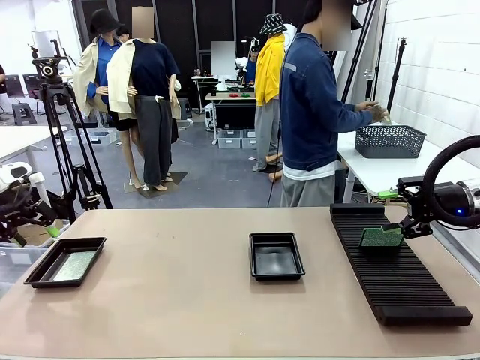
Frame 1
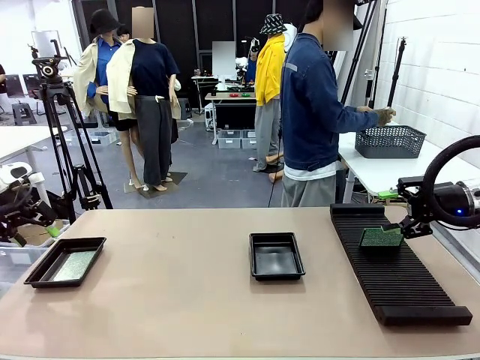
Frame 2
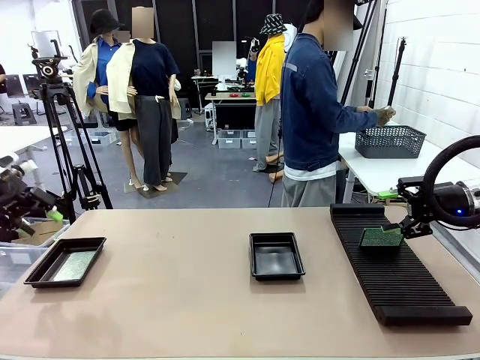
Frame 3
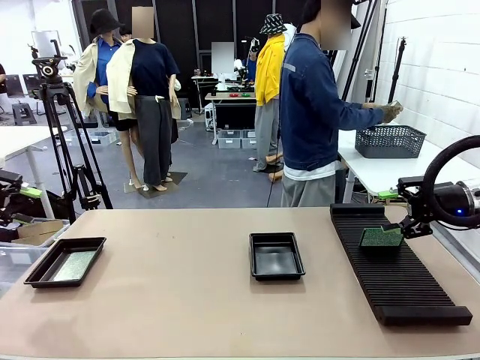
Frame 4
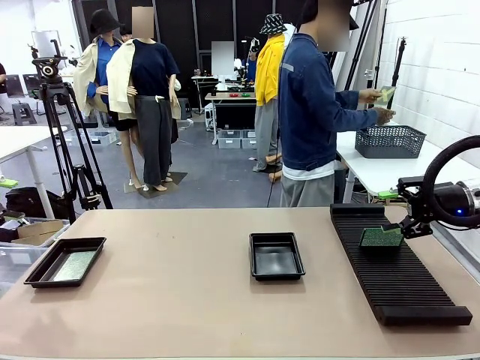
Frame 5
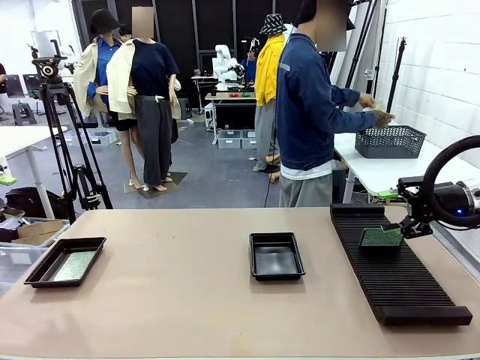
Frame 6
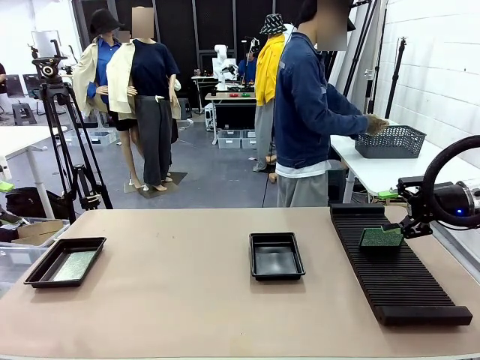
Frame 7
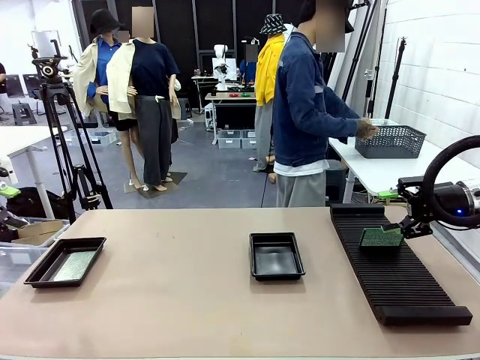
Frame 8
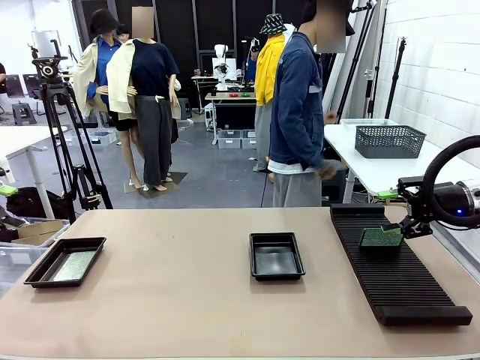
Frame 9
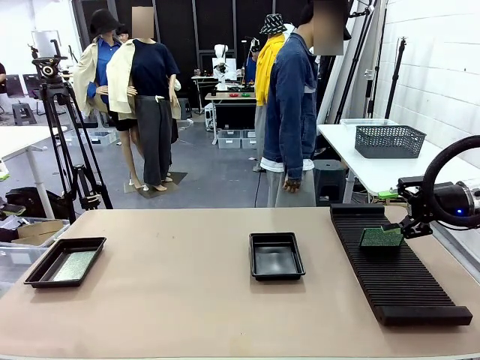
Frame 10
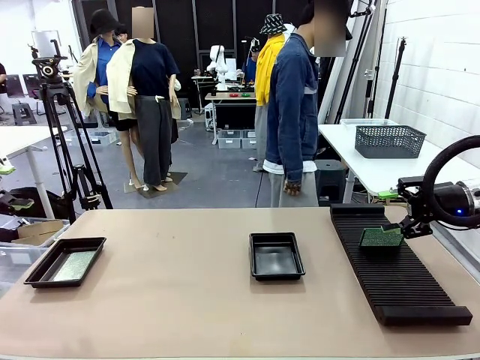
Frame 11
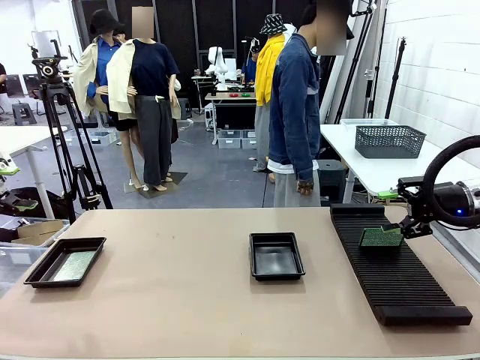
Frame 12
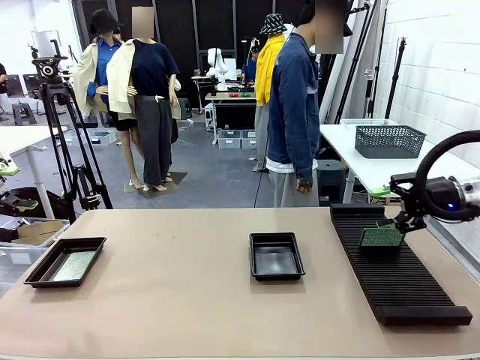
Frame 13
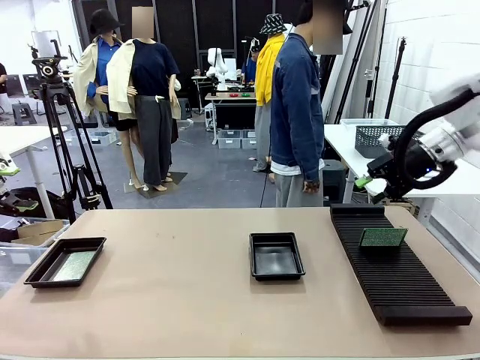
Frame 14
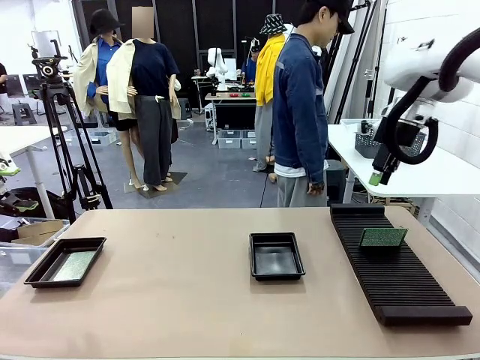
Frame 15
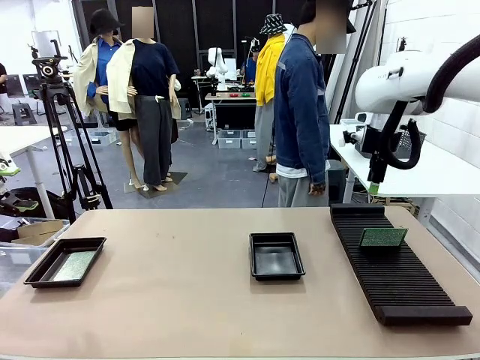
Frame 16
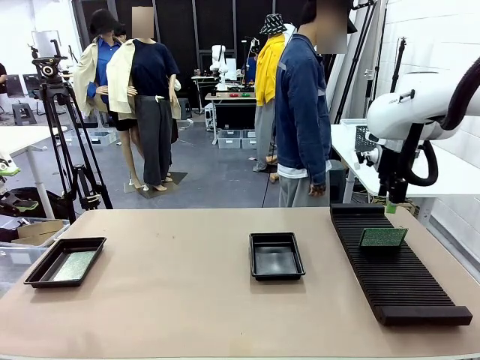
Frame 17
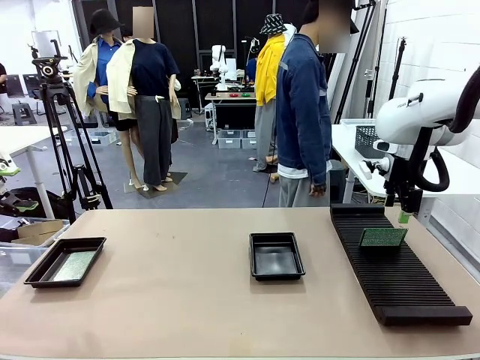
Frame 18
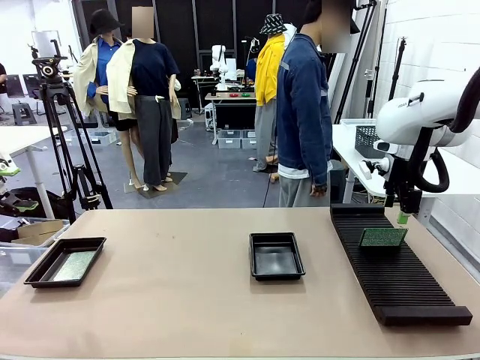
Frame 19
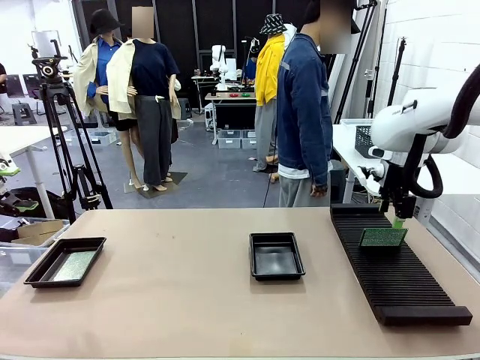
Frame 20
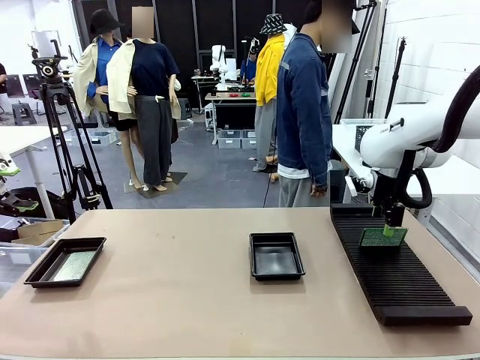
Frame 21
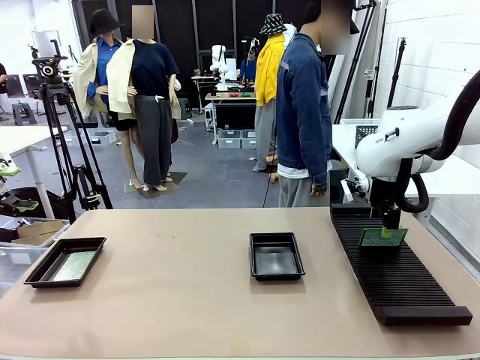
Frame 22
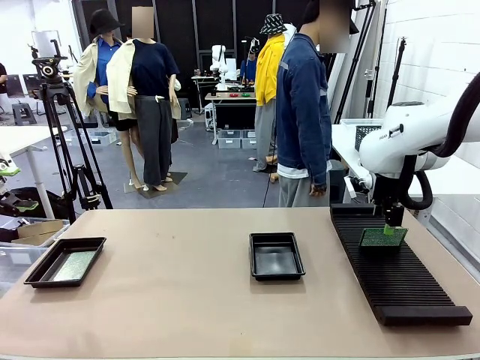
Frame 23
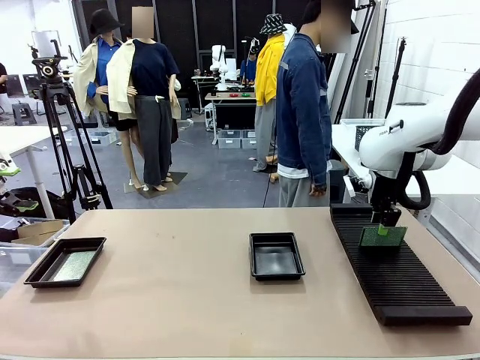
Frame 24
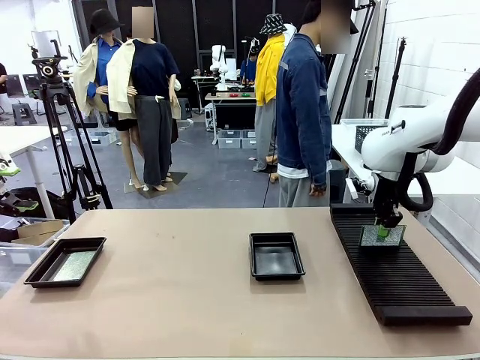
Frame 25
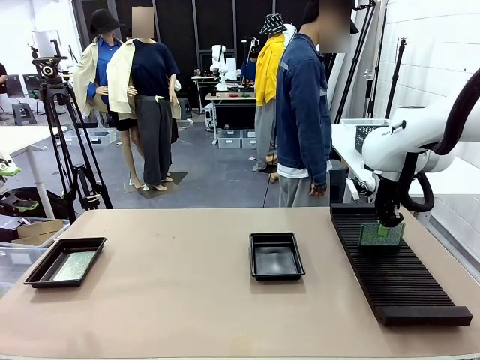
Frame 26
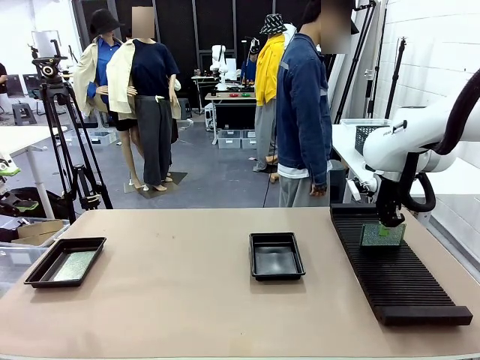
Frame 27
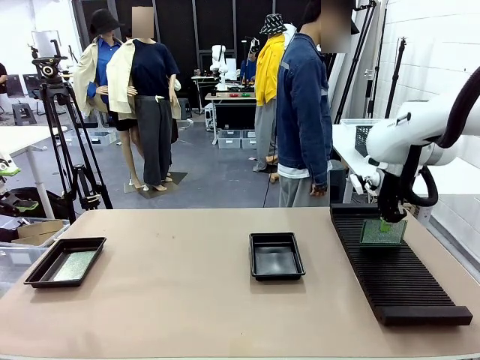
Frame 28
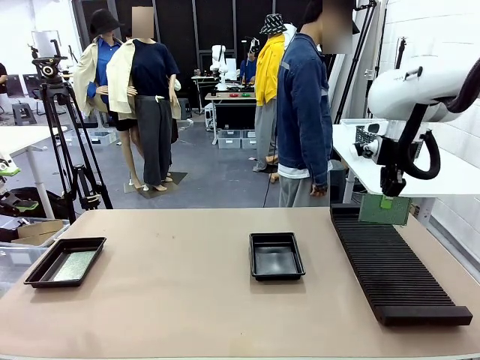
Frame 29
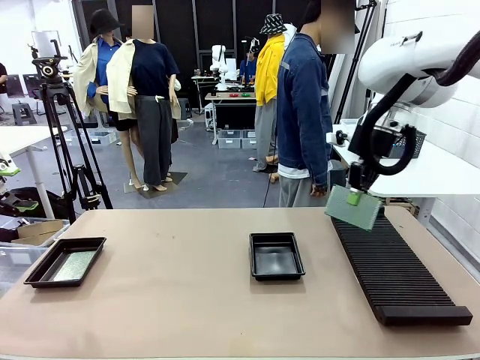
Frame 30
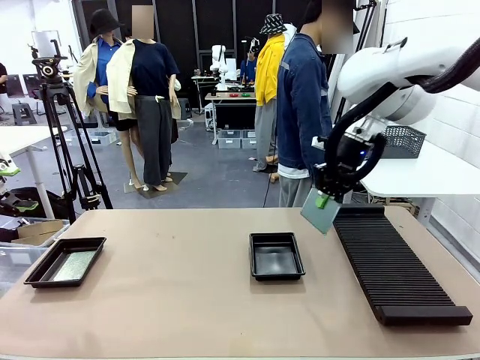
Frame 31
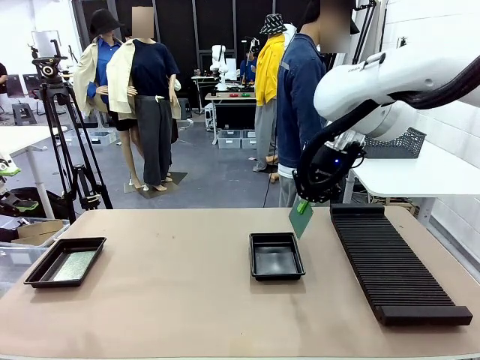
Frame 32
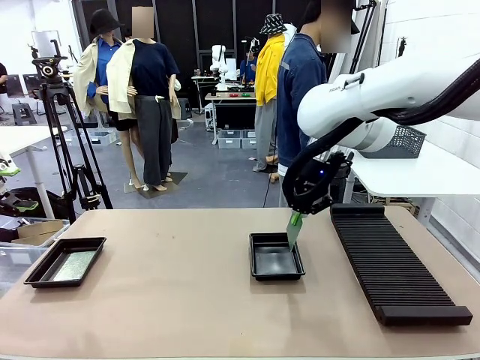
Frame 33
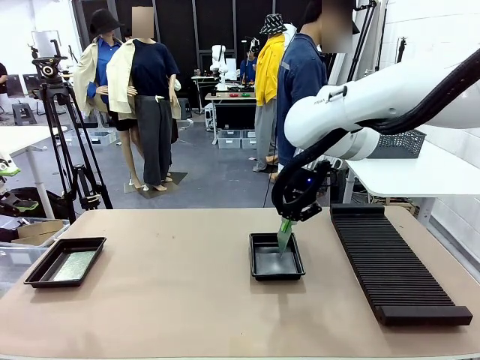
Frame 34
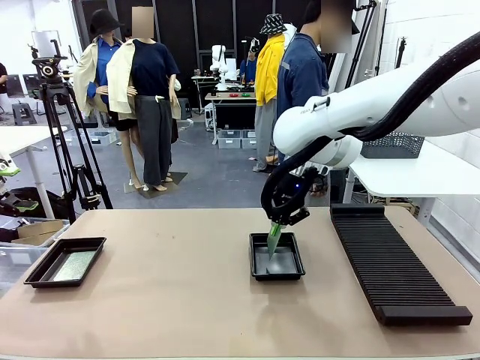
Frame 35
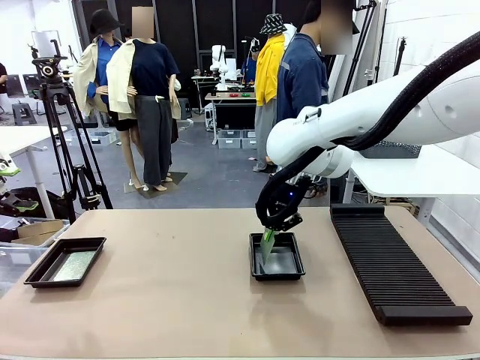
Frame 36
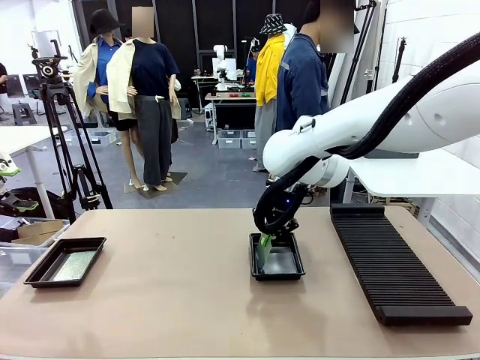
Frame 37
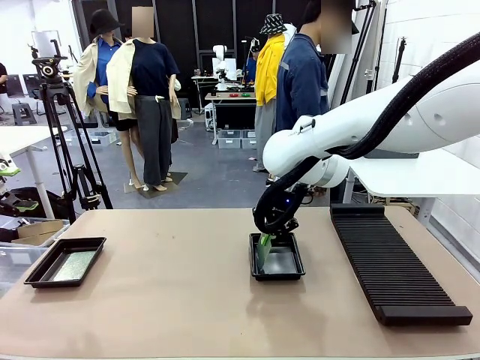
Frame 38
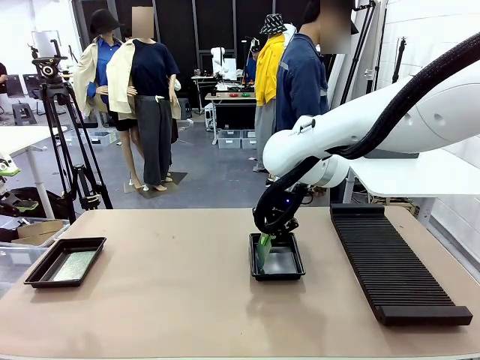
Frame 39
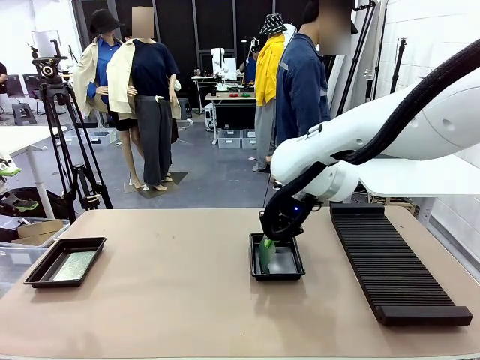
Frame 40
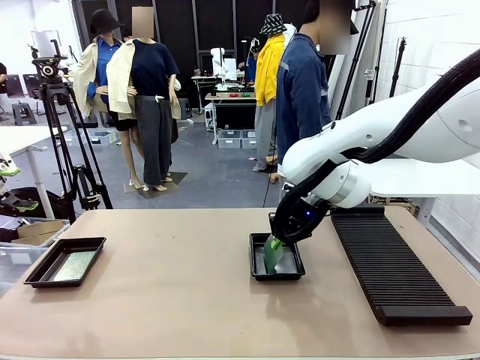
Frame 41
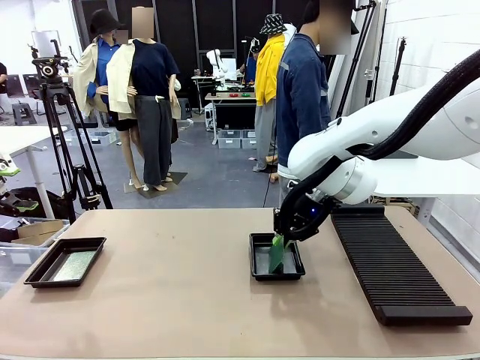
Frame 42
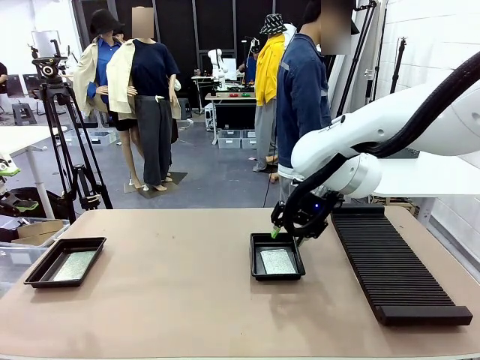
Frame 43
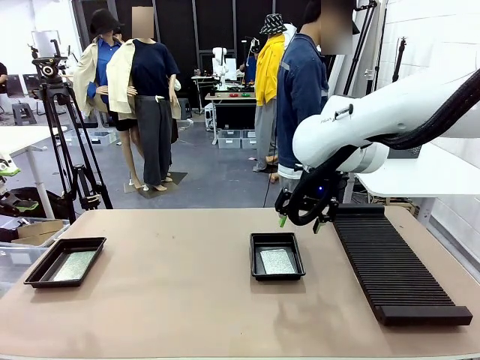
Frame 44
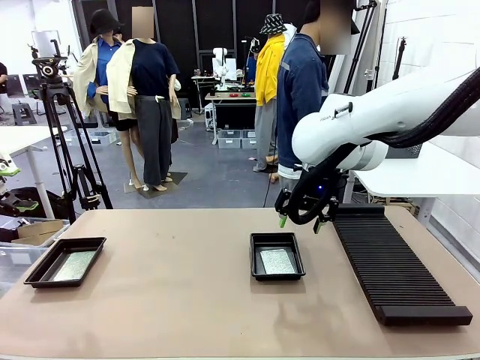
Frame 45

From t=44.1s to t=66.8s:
Task: Inspect and transfer BCBs to ESD trays.
Robot: Pick up the Blank PCB from the PCB Rack and place it in the right ESD tray.

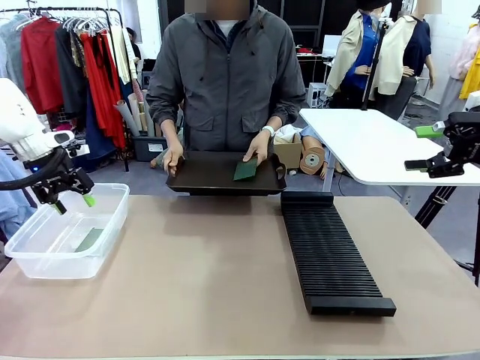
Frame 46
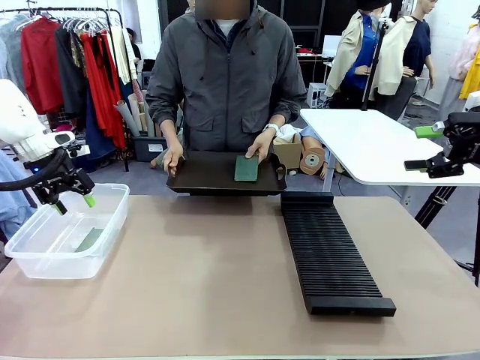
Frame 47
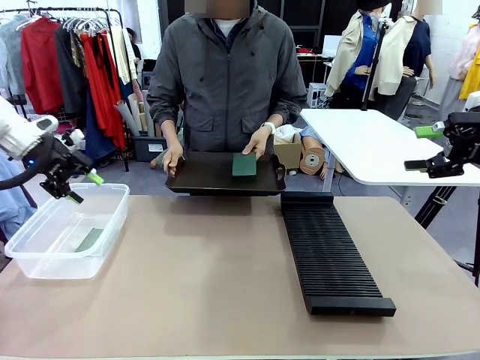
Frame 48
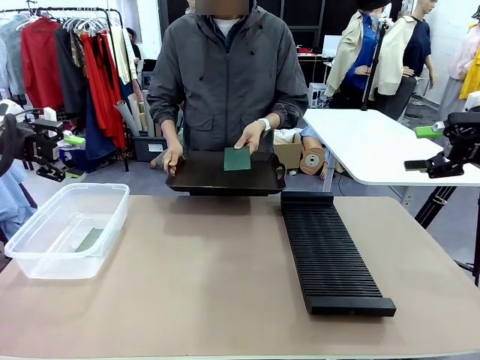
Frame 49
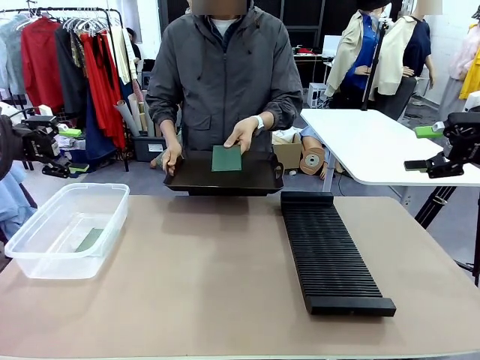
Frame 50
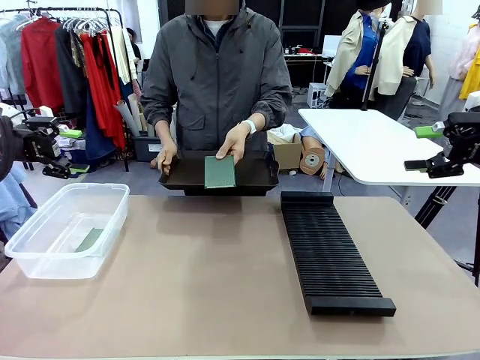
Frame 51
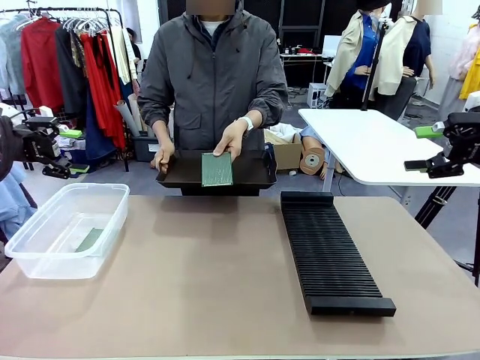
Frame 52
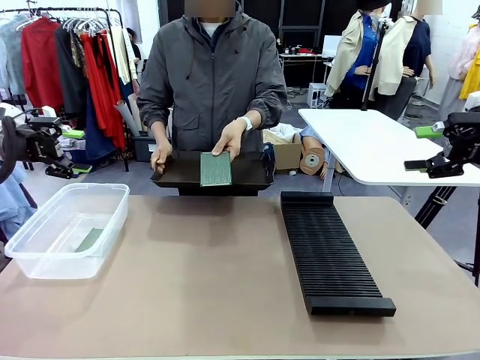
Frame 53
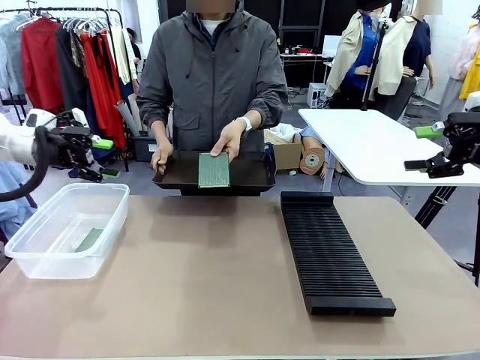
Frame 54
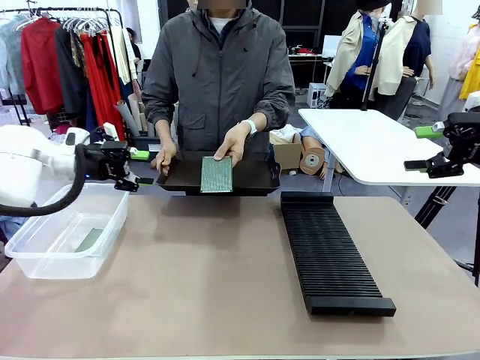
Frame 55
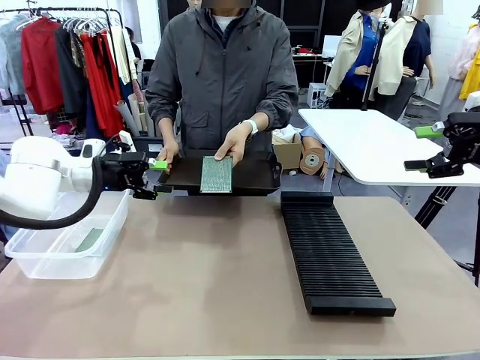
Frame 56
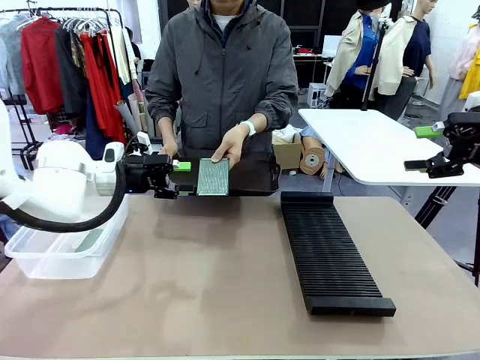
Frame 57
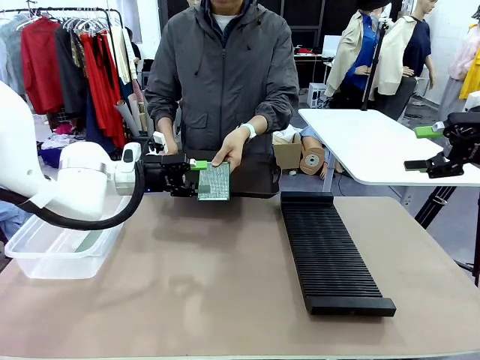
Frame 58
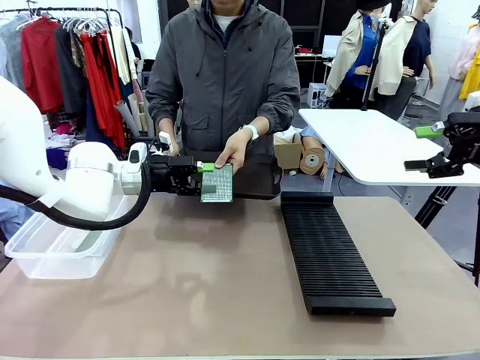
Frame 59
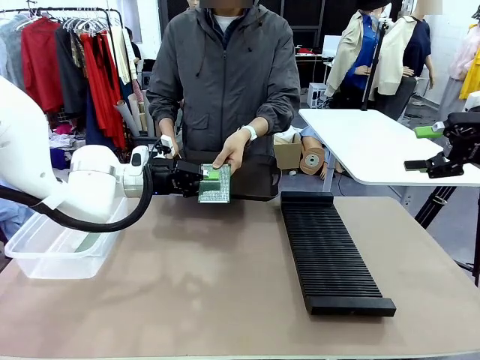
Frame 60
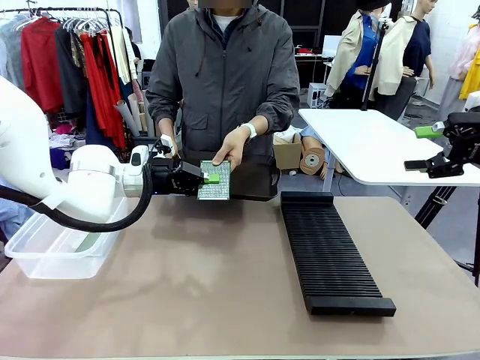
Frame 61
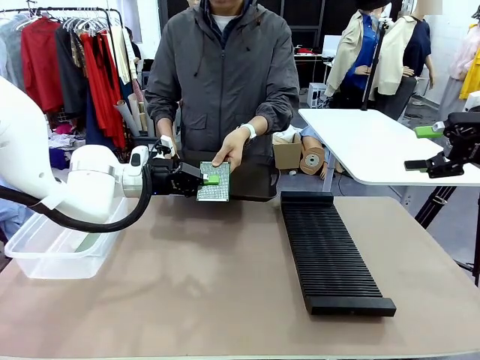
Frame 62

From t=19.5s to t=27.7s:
Task: Sort PCBs into racks and boxes based on the side picked up.
Robot: Pick up the Blank PCB handed by the Human.
